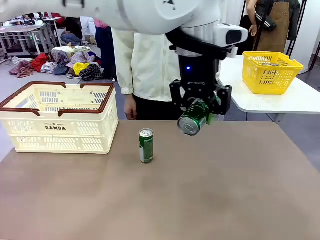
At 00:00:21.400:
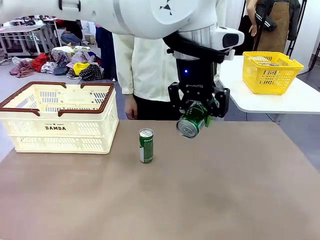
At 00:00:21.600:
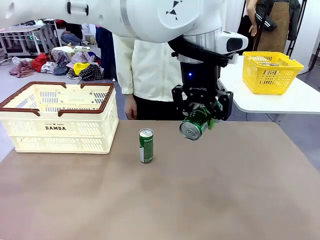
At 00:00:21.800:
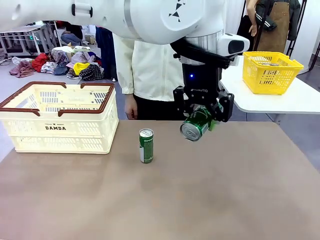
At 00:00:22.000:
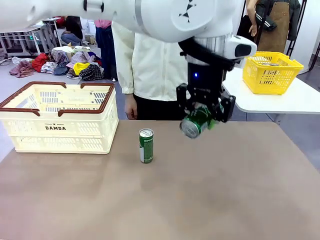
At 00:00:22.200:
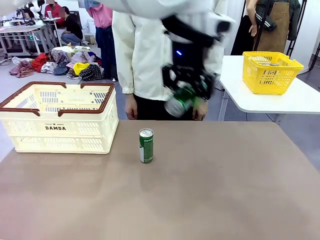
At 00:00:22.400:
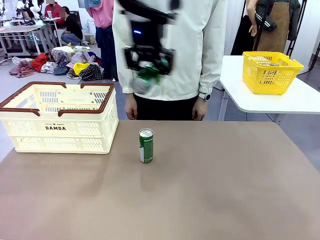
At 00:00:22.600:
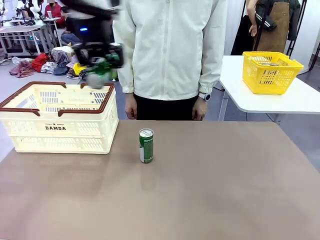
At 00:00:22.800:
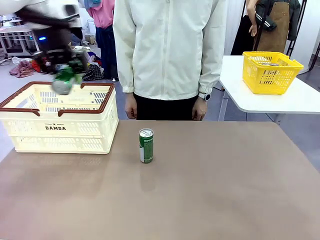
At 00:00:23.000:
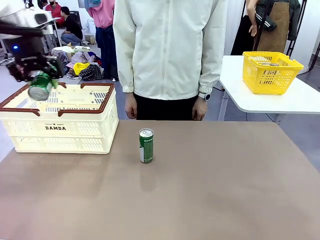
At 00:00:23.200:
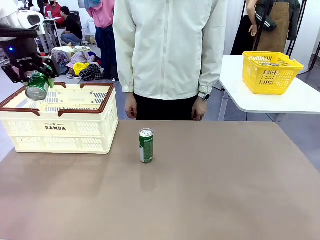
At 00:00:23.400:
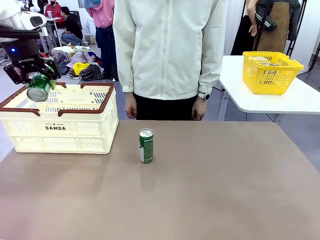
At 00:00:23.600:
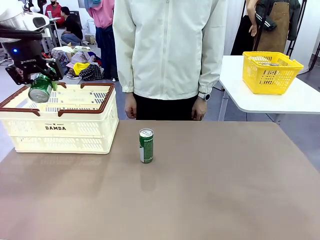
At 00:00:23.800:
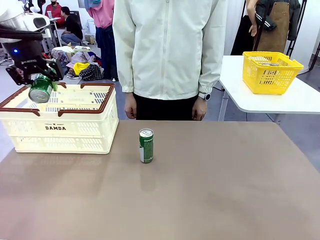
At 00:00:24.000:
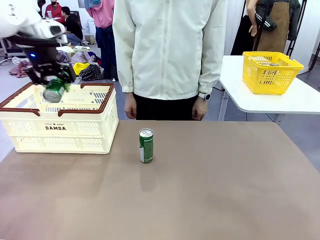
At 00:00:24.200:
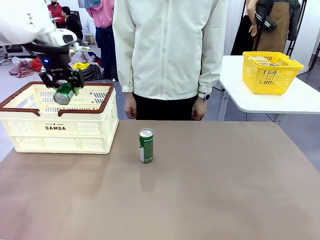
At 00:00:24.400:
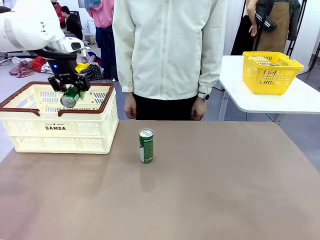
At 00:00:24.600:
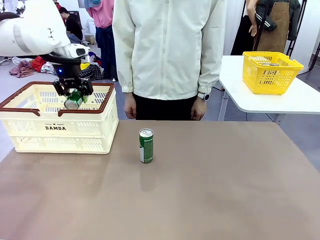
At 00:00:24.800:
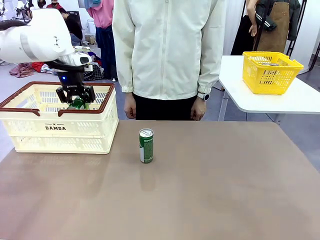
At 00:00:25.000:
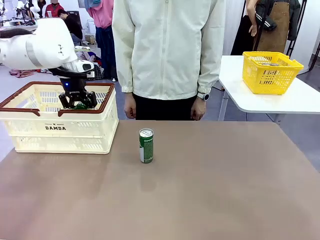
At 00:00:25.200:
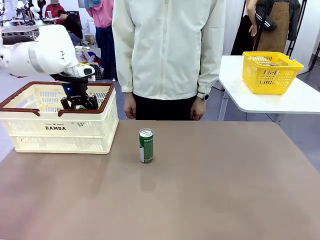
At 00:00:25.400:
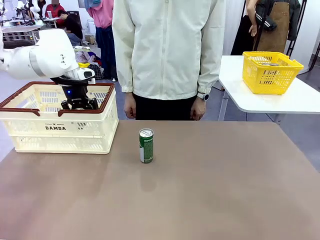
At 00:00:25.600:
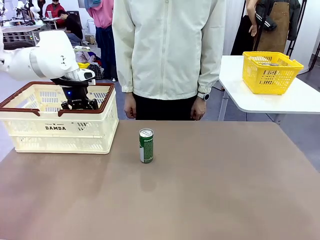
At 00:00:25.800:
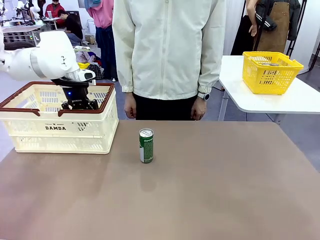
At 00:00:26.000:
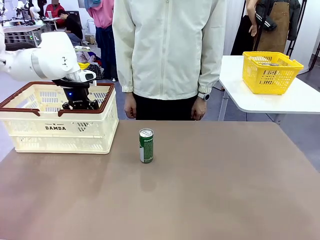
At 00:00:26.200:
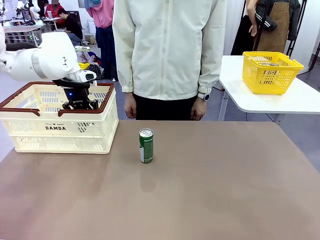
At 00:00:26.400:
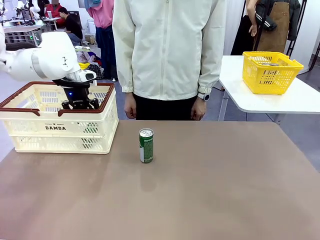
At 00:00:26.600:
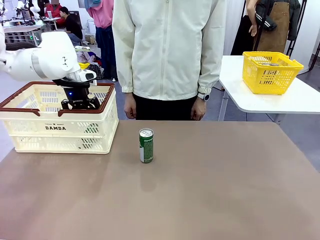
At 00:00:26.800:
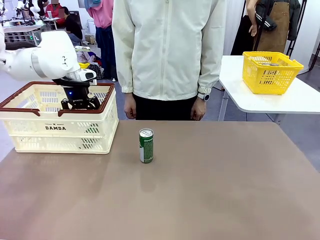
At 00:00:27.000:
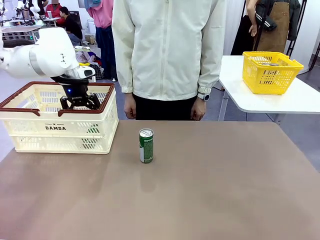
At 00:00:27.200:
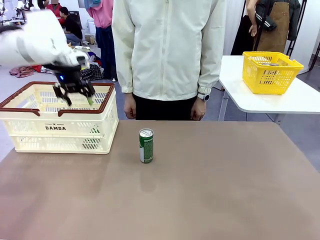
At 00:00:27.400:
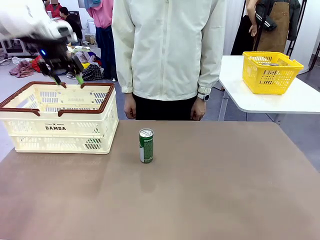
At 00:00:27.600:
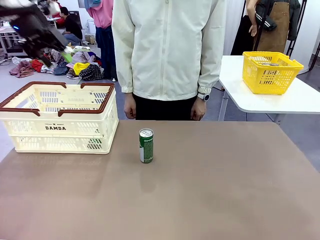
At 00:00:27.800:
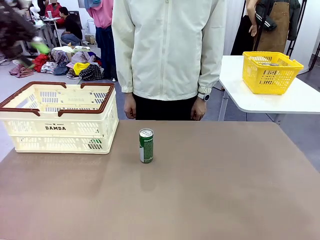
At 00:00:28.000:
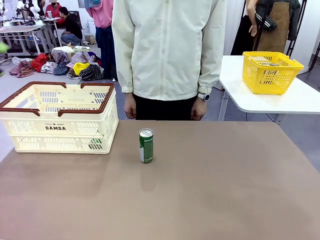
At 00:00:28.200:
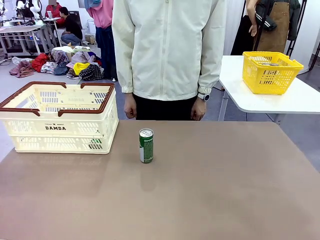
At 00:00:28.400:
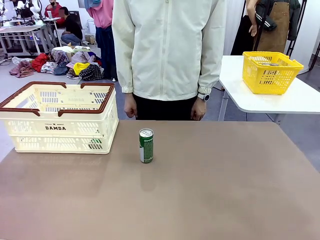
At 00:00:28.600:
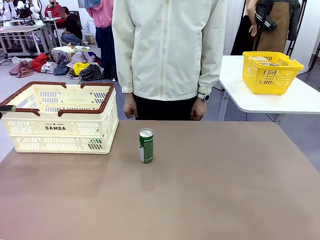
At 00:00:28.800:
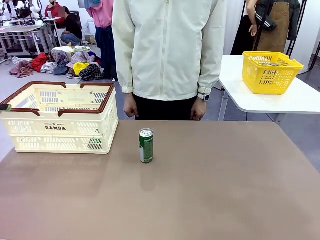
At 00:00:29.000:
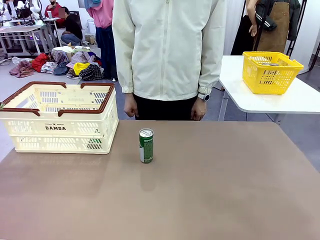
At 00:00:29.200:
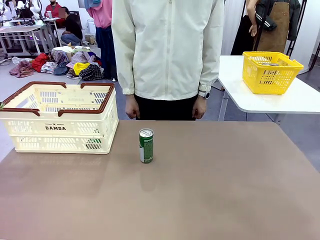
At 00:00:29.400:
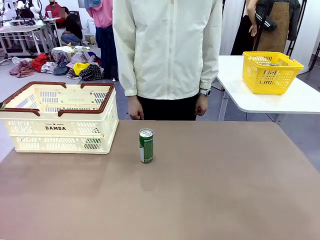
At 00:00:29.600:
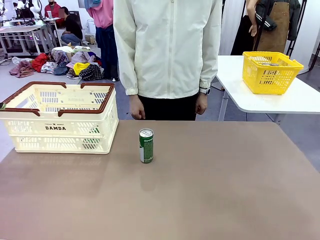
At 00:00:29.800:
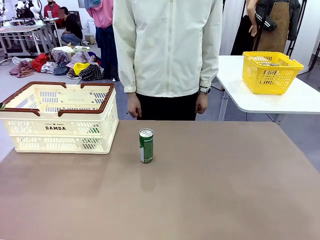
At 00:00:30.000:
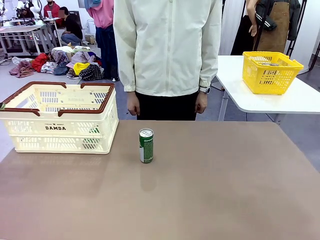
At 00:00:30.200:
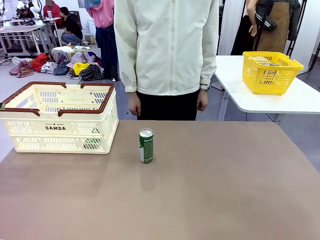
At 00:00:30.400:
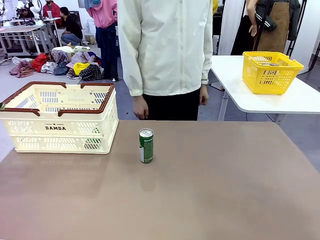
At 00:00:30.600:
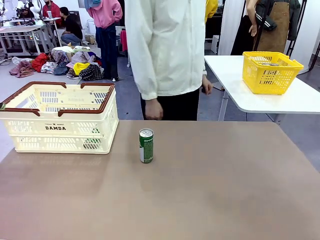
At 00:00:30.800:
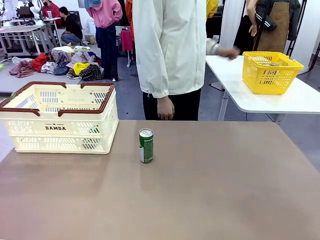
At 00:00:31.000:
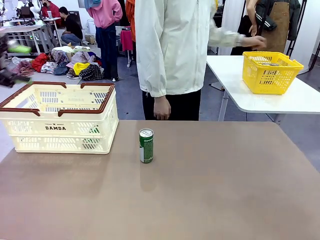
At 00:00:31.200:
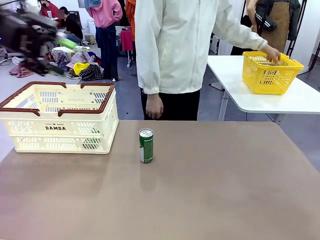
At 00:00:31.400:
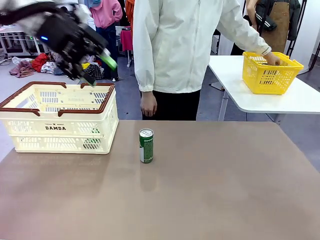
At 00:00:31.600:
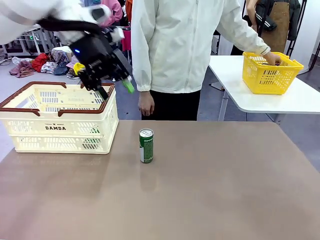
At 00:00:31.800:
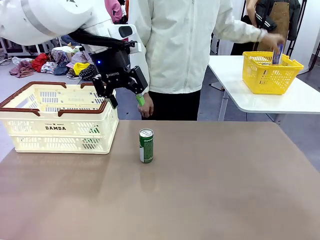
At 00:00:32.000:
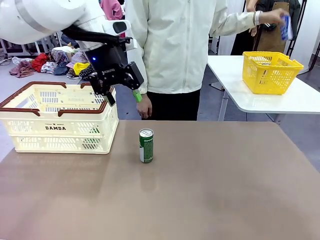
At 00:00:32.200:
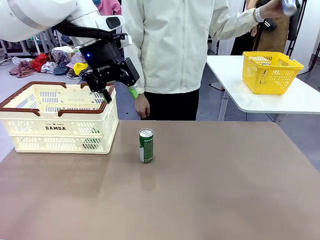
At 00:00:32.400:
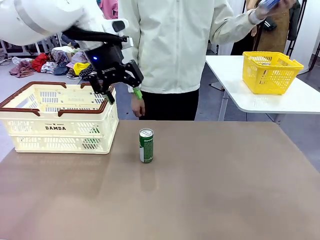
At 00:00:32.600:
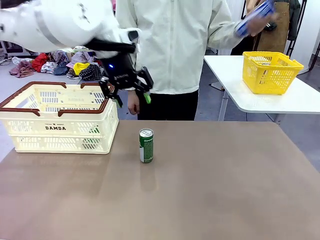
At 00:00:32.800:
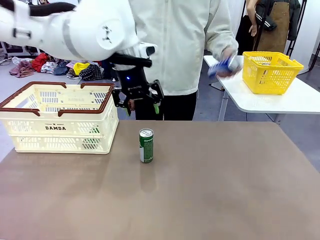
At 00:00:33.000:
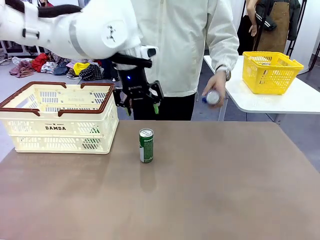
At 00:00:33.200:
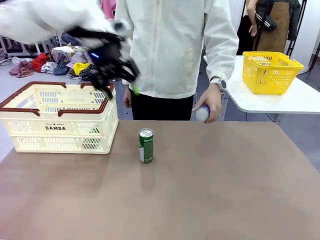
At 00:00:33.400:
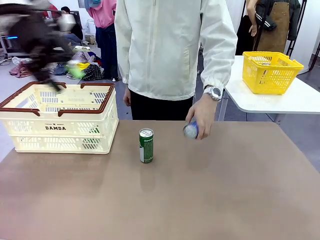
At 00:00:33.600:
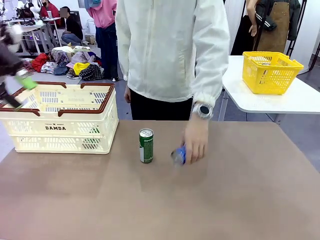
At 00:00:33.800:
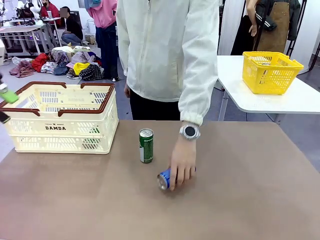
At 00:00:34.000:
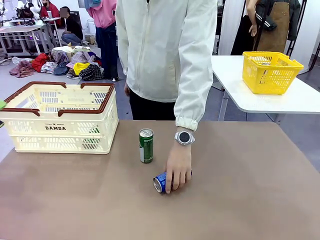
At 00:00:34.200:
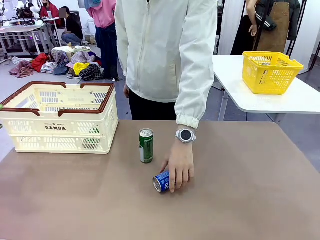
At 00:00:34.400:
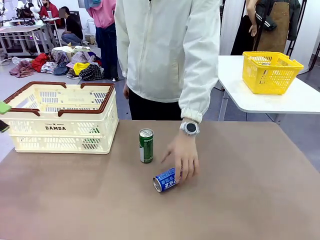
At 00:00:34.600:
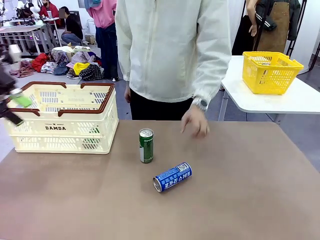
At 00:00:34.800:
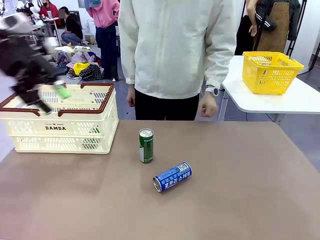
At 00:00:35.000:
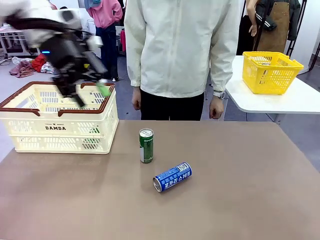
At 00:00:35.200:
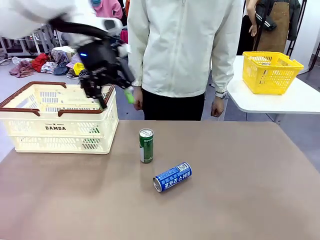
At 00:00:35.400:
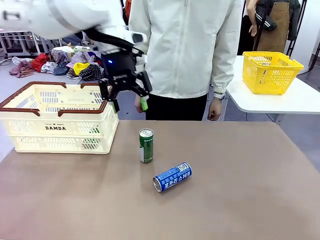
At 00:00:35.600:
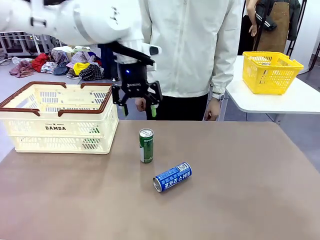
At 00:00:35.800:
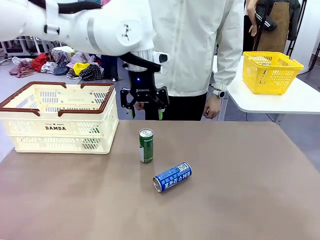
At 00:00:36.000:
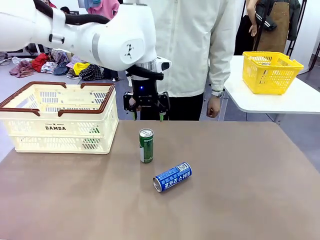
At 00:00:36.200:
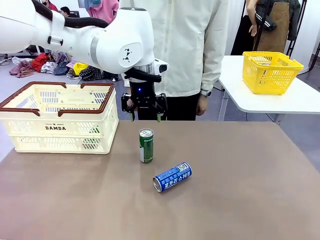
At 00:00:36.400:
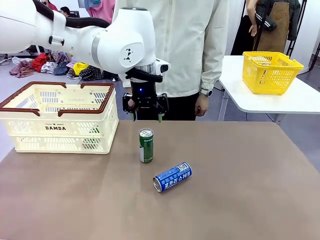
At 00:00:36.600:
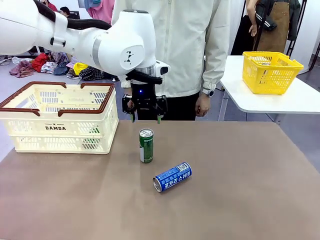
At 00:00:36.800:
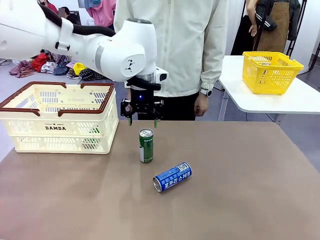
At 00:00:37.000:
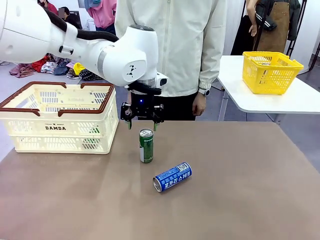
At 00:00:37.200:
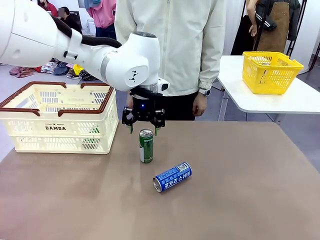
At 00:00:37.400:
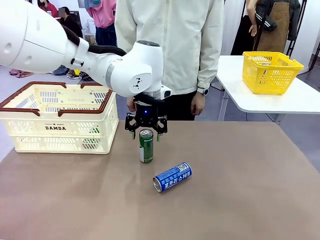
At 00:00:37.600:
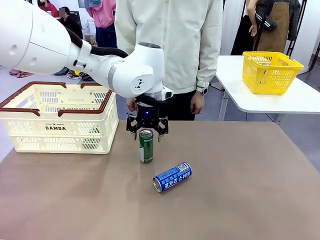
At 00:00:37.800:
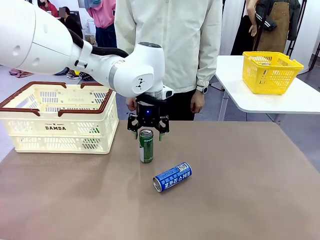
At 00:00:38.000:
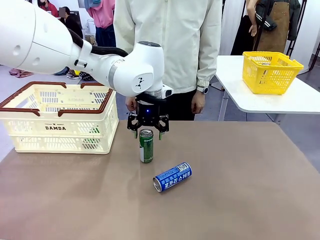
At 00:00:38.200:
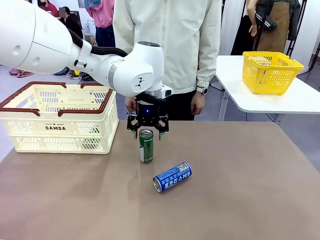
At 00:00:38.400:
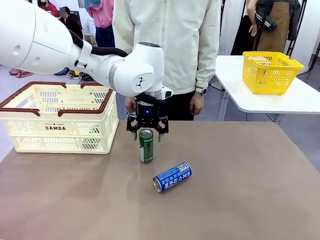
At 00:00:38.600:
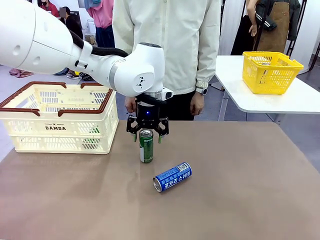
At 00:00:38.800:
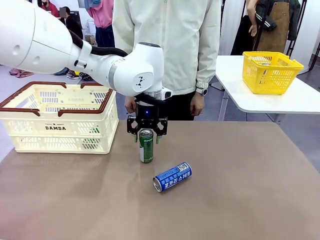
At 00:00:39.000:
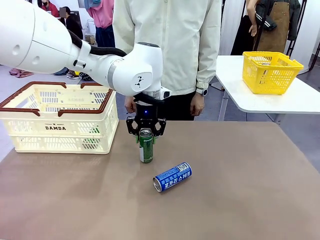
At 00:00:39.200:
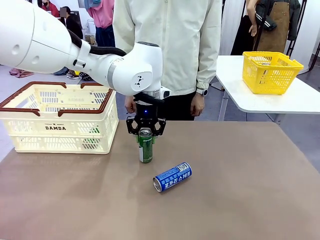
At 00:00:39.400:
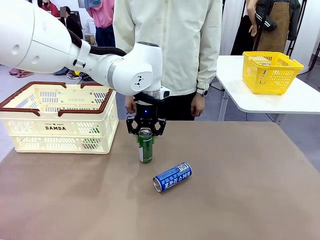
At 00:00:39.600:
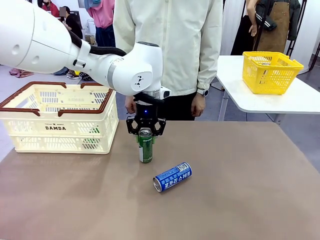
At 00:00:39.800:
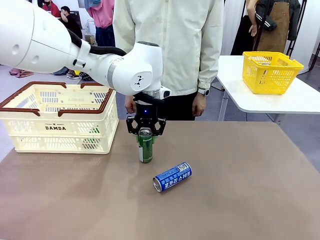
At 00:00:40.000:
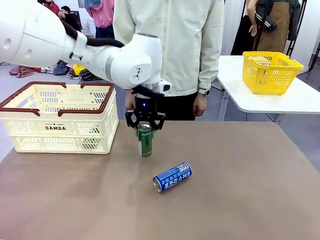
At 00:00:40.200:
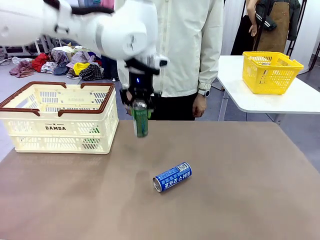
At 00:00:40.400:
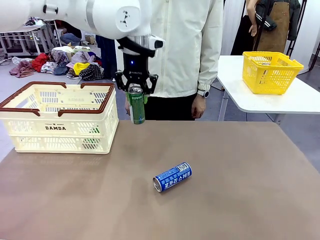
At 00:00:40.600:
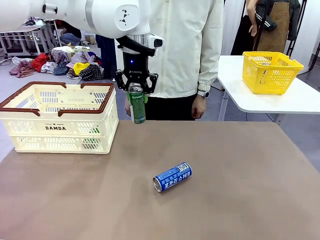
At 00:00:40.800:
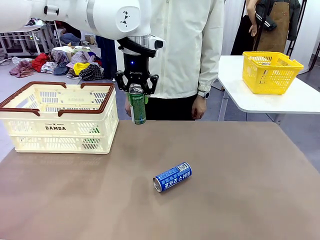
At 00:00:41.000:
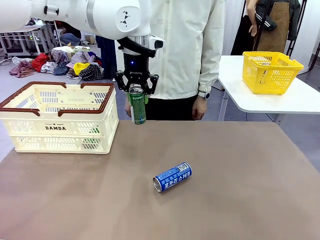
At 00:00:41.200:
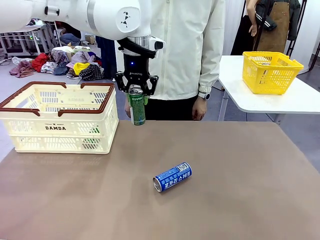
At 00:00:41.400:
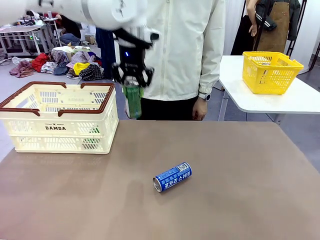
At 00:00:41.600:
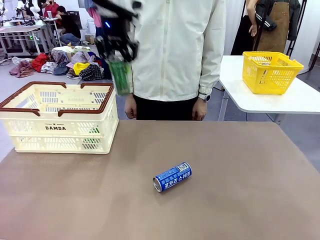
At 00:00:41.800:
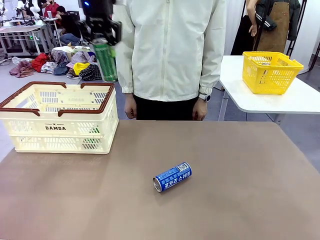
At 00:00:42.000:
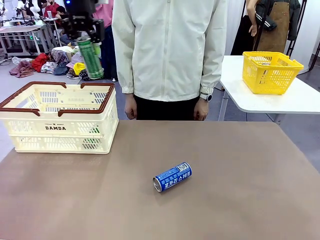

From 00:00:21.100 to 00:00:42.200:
Task: Place the drinks into the Shopping basket.
Robot: Pick up one drink and place it into the Shopping basket.
